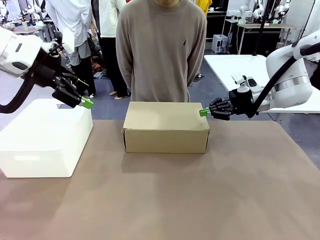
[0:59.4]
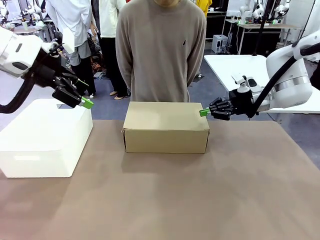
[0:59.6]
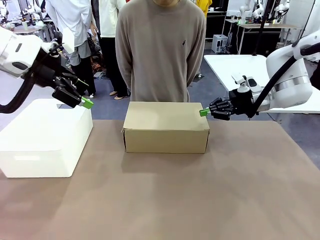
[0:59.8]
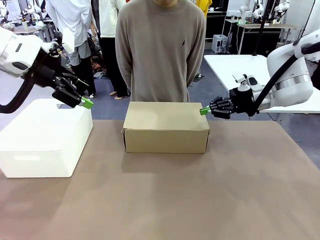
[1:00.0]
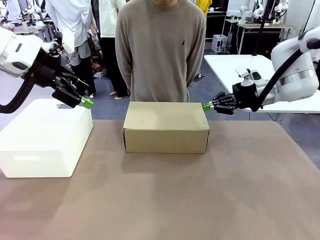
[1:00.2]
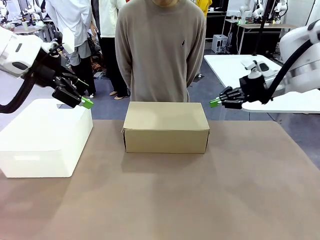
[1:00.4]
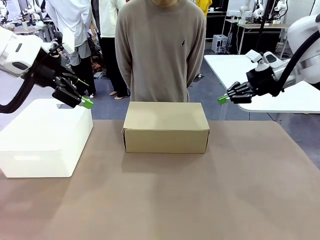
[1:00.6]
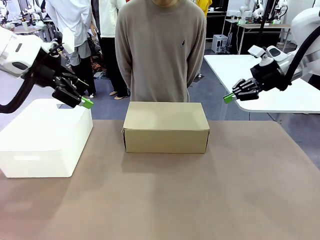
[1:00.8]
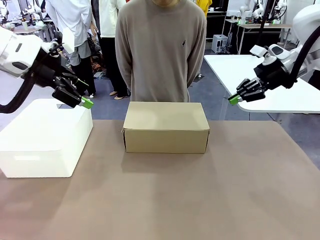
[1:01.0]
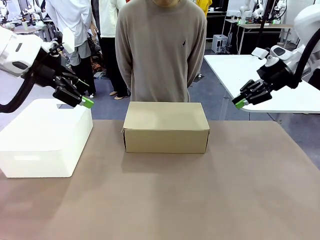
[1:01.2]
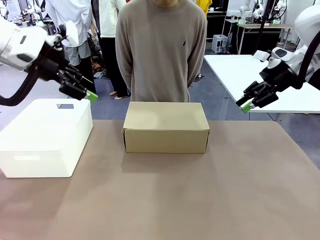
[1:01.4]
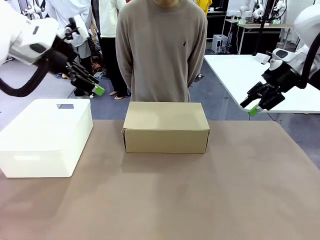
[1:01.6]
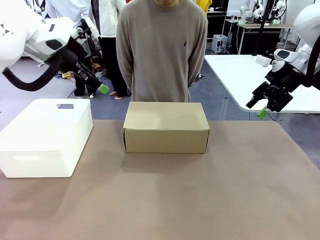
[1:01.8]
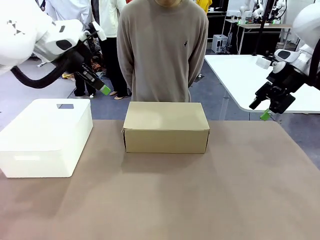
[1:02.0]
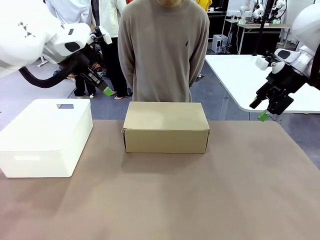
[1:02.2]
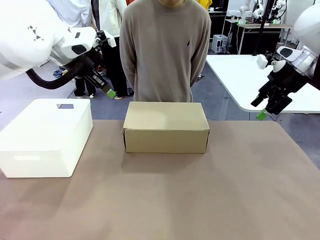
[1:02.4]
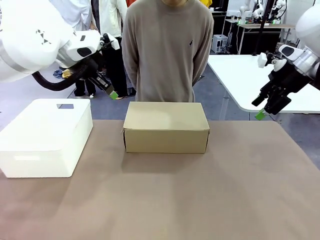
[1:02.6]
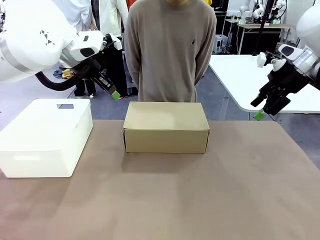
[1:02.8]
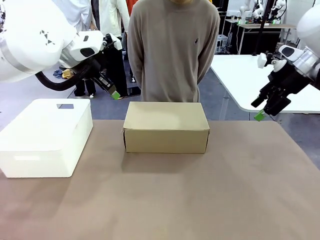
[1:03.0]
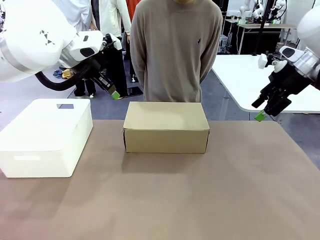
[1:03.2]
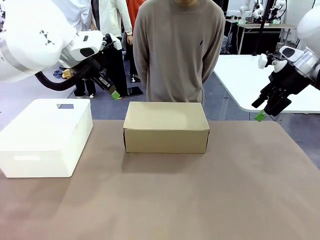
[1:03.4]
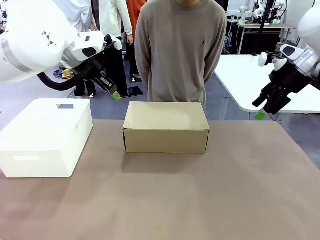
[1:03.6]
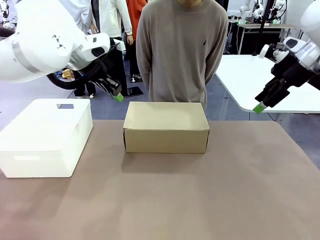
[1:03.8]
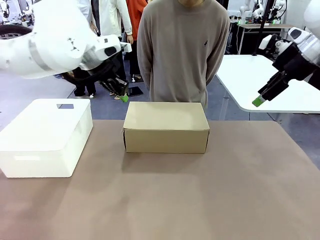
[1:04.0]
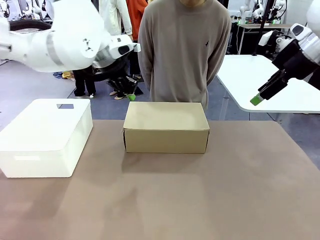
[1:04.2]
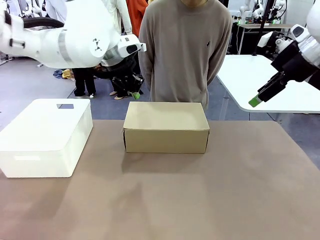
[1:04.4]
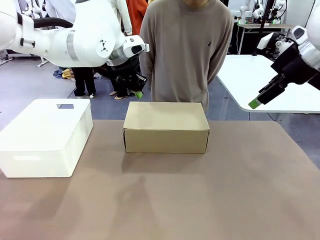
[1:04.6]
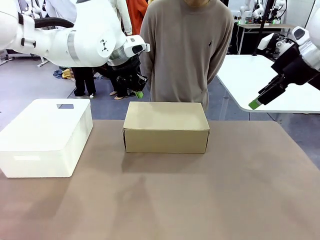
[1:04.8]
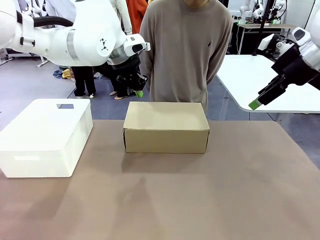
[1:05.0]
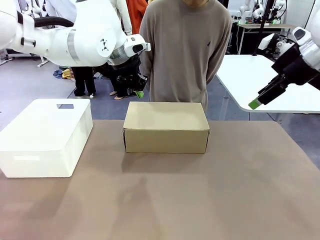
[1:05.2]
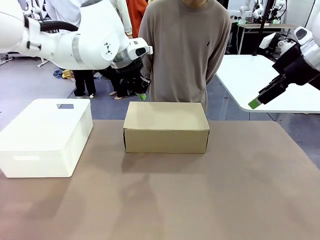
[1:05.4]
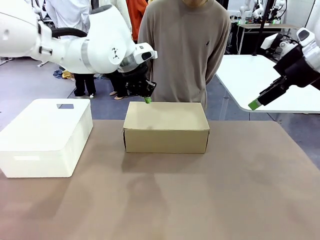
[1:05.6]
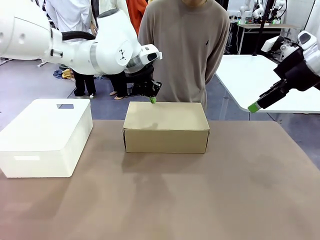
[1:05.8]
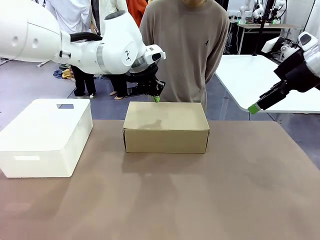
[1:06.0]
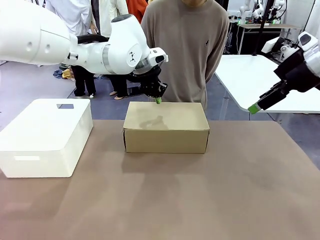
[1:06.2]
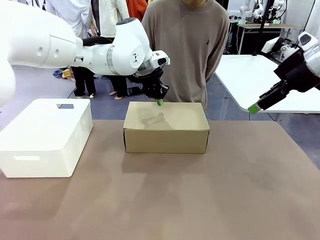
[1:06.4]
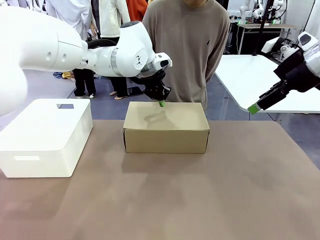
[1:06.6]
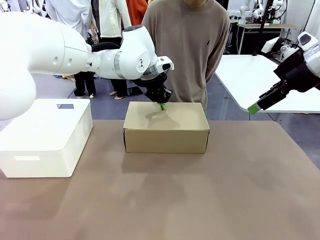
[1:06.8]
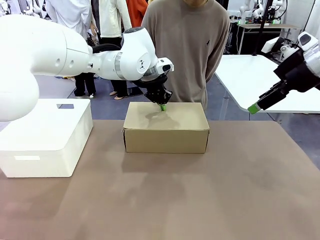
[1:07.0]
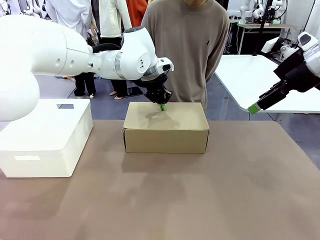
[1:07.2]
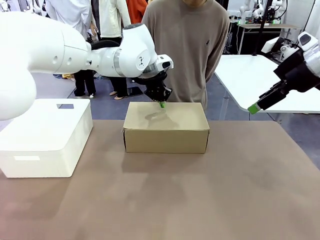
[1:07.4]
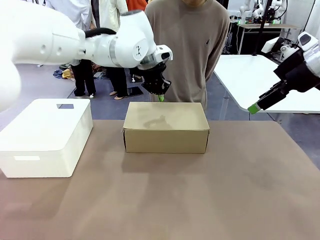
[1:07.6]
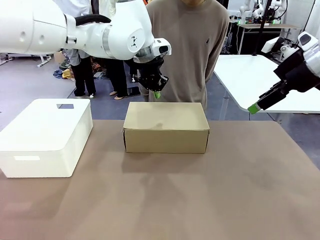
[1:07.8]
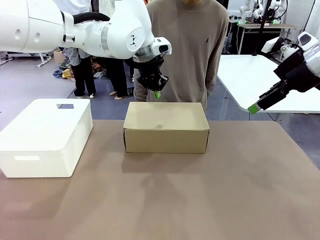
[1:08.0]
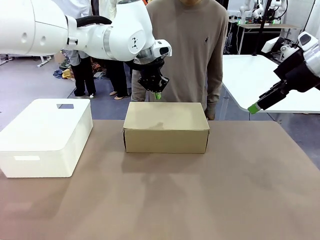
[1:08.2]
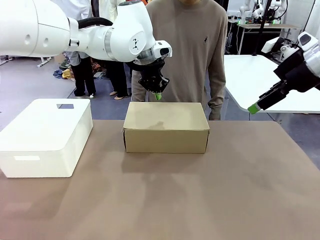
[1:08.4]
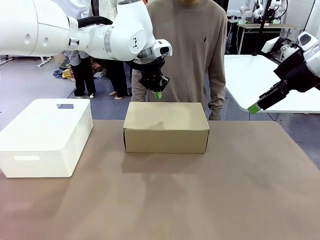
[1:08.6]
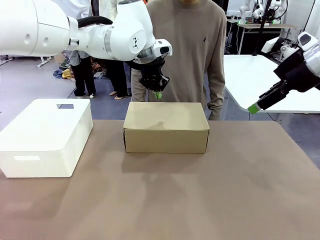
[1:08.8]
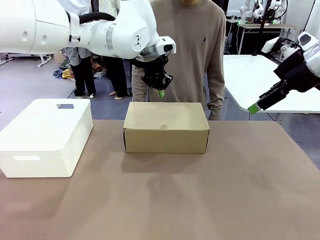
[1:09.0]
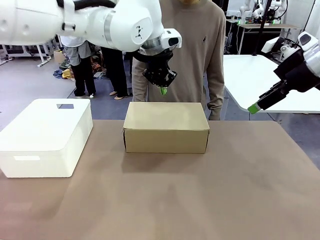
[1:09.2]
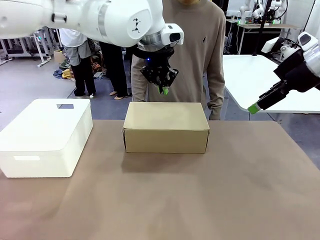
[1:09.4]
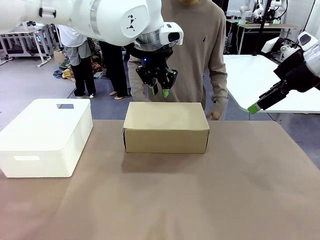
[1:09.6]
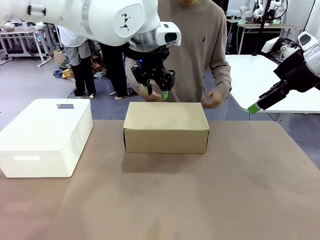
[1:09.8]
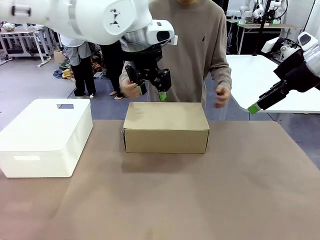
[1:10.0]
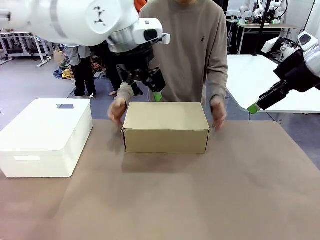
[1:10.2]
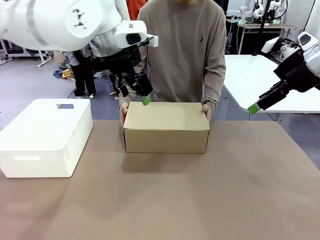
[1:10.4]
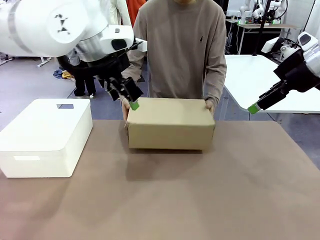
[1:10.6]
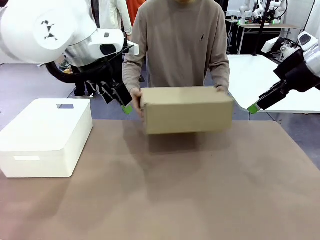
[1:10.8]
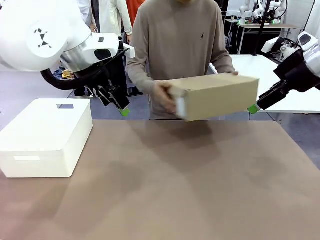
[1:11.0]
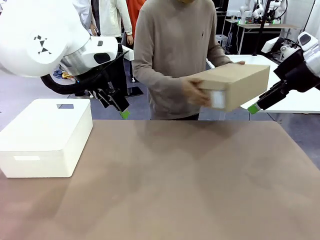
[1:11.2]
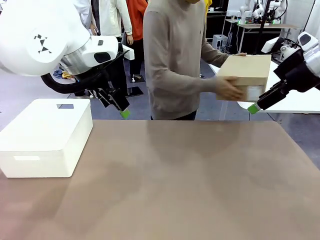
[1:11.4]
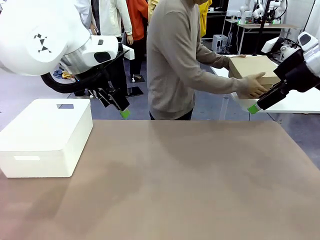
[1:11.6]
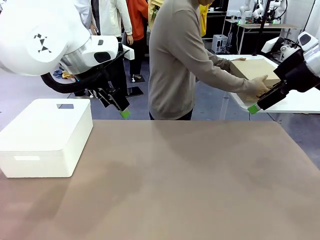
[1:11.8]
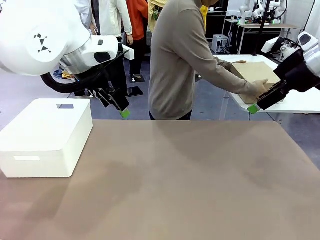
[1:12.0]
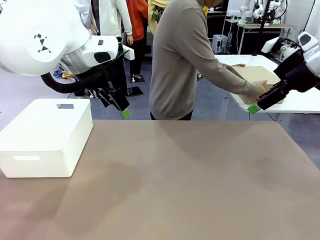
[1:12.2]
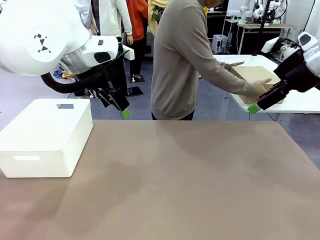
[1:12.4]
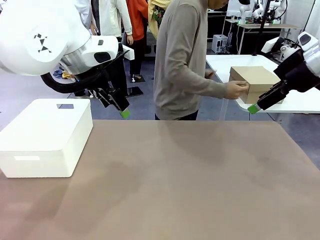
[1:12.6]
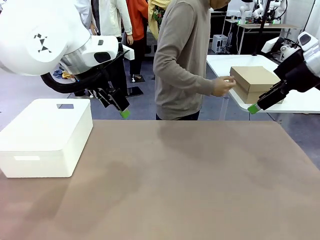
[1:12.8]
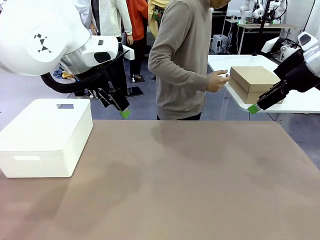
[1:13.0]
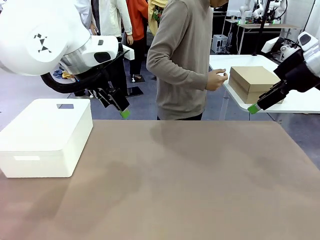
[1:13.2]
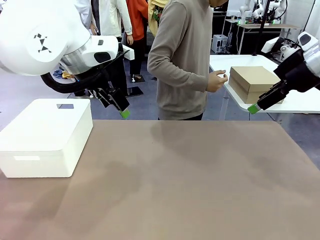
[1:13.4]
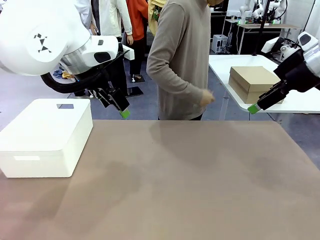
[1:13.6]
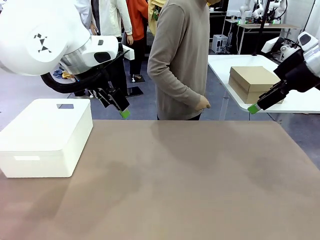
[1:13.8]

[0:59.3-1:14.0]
Task: Pack the shoes into the box.
Robot: Press down on the lid of the Shoes Box.
Person: Place the closed Shoes Box to the right side of the human table.
